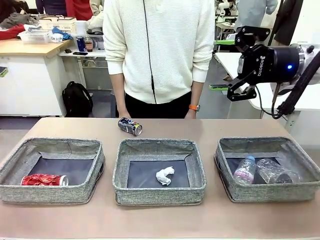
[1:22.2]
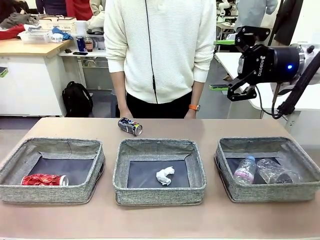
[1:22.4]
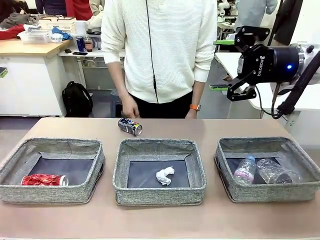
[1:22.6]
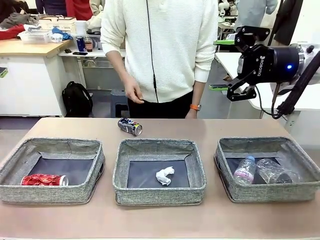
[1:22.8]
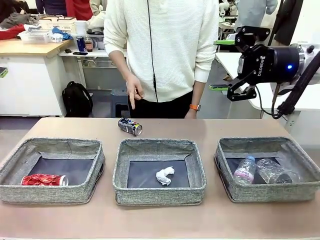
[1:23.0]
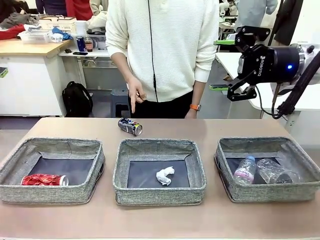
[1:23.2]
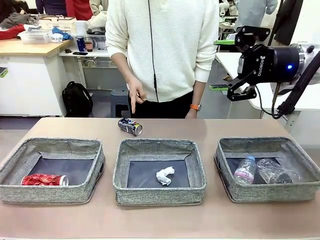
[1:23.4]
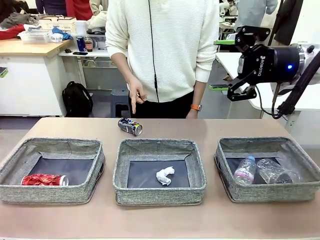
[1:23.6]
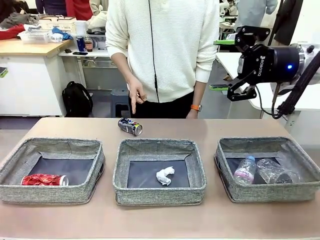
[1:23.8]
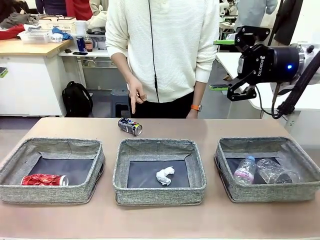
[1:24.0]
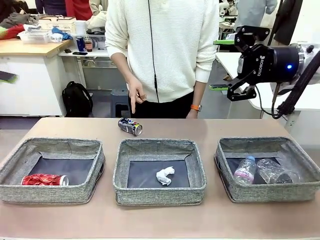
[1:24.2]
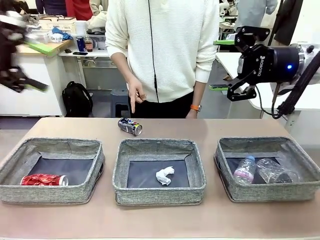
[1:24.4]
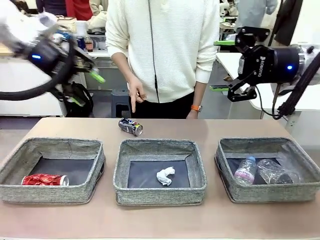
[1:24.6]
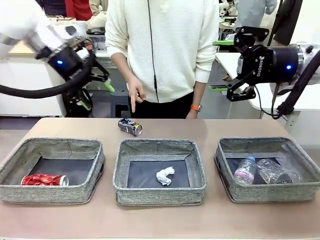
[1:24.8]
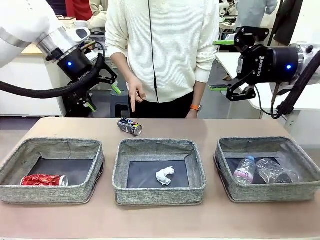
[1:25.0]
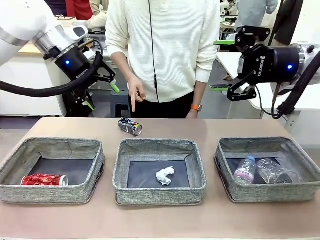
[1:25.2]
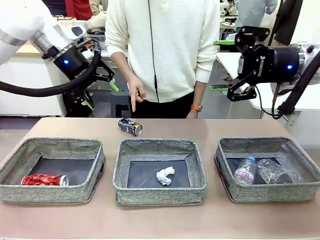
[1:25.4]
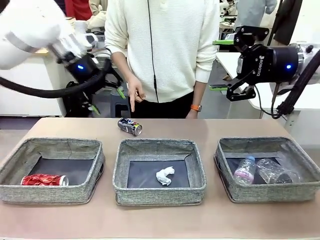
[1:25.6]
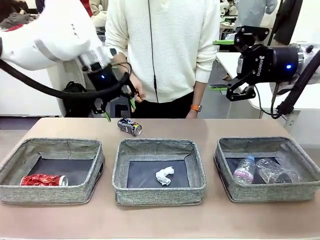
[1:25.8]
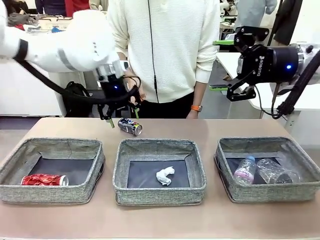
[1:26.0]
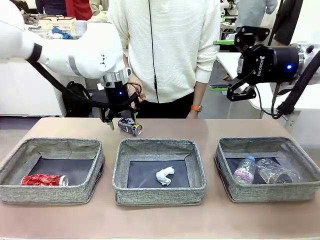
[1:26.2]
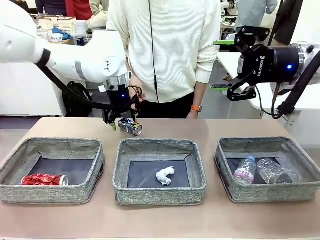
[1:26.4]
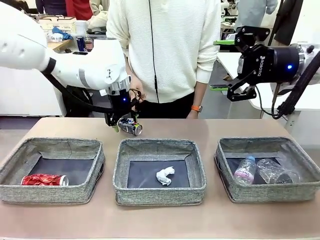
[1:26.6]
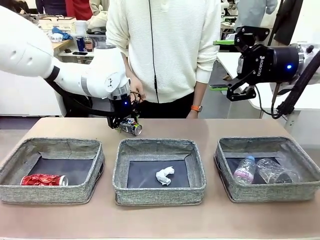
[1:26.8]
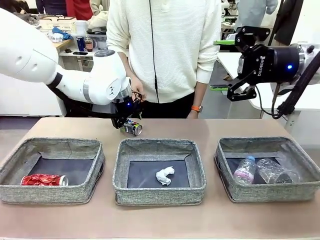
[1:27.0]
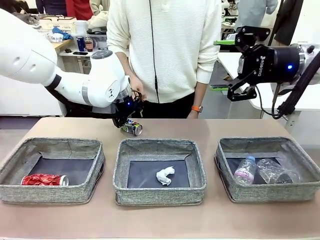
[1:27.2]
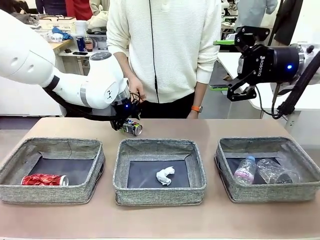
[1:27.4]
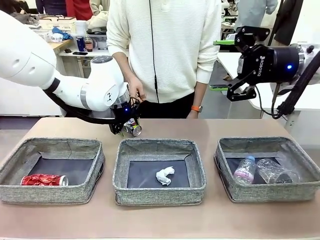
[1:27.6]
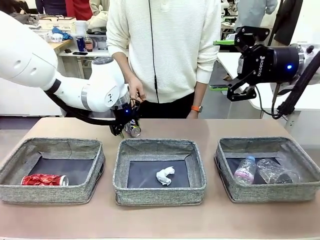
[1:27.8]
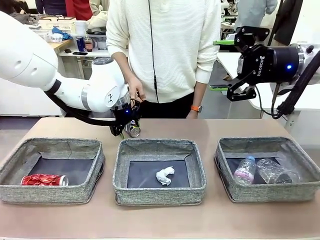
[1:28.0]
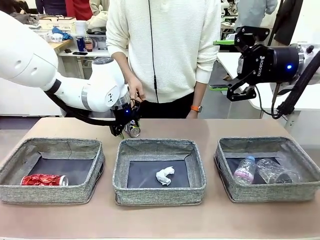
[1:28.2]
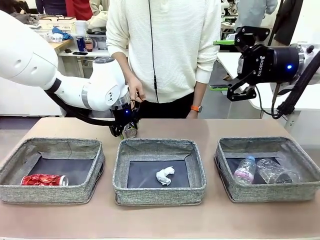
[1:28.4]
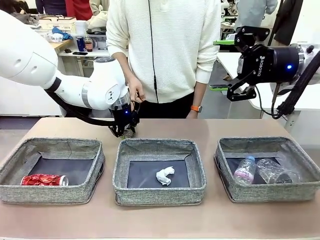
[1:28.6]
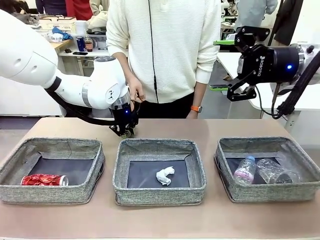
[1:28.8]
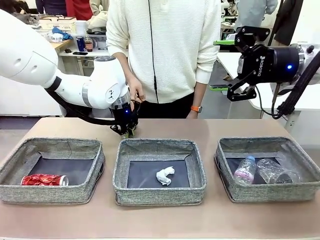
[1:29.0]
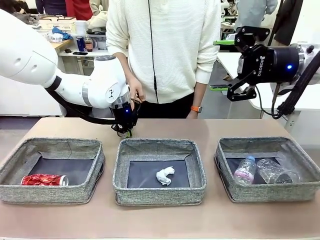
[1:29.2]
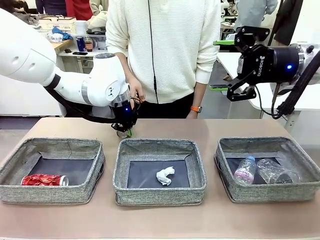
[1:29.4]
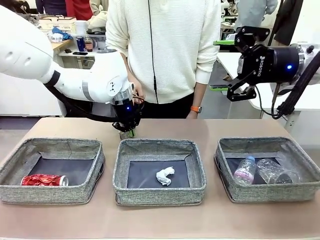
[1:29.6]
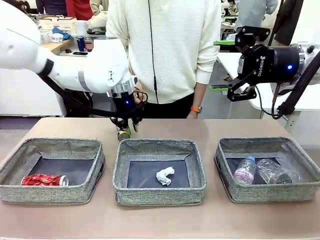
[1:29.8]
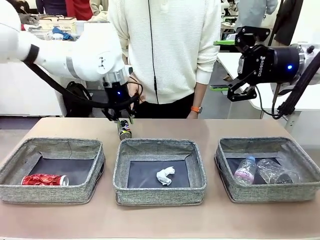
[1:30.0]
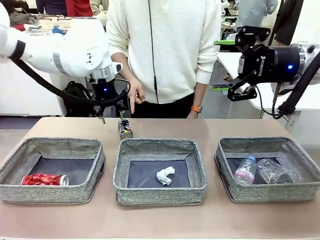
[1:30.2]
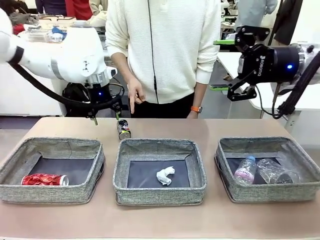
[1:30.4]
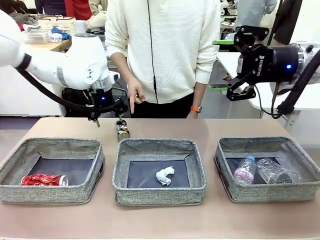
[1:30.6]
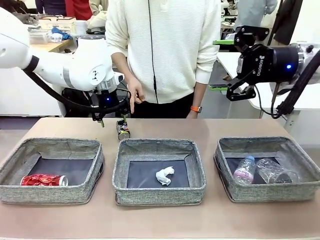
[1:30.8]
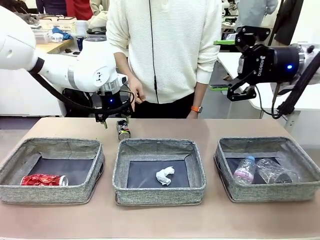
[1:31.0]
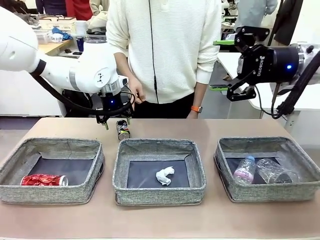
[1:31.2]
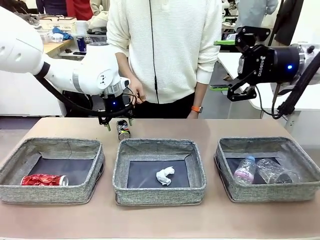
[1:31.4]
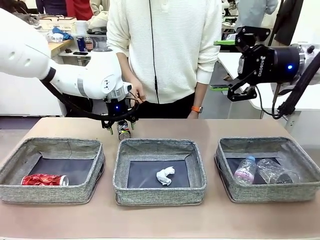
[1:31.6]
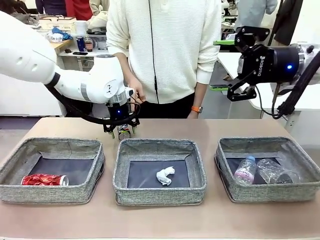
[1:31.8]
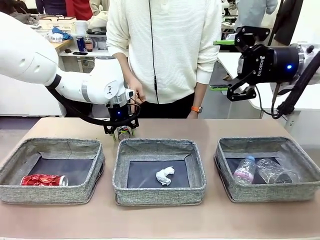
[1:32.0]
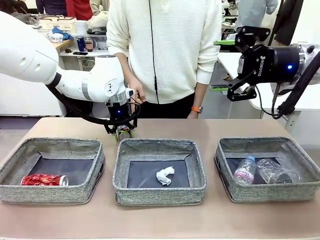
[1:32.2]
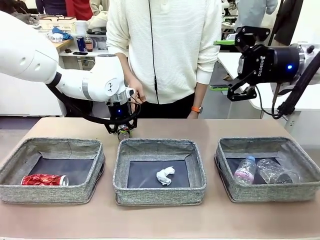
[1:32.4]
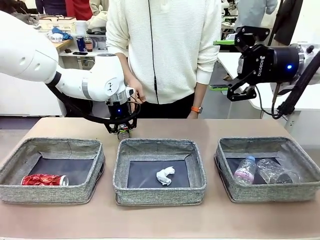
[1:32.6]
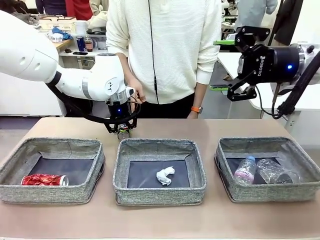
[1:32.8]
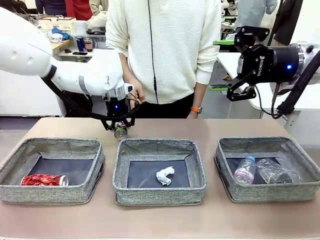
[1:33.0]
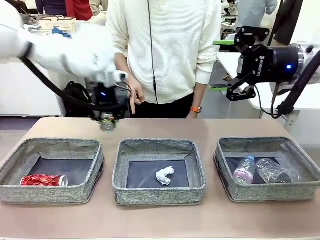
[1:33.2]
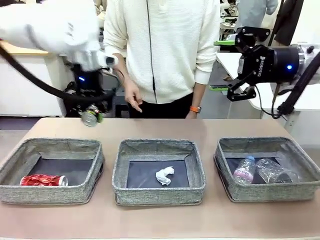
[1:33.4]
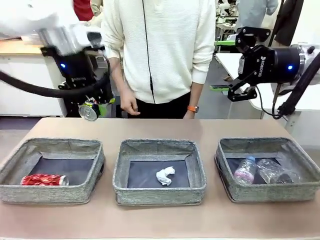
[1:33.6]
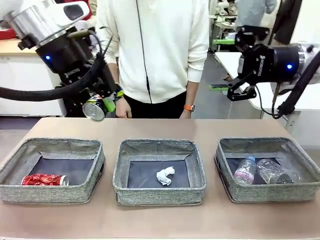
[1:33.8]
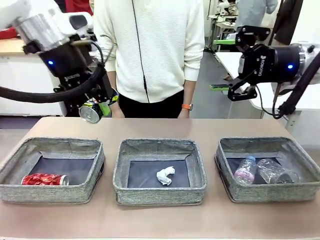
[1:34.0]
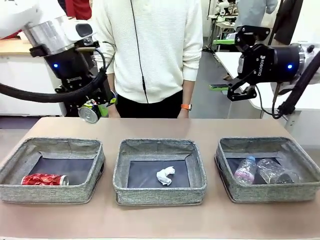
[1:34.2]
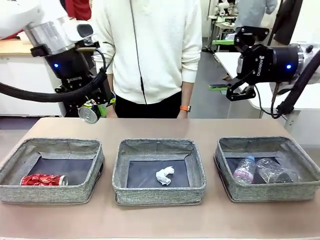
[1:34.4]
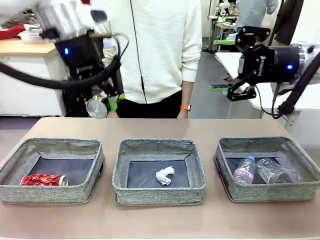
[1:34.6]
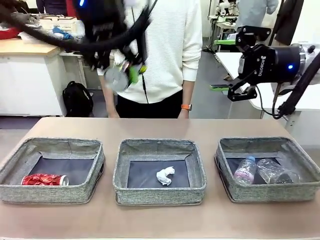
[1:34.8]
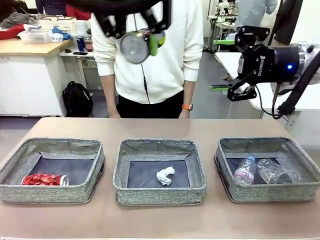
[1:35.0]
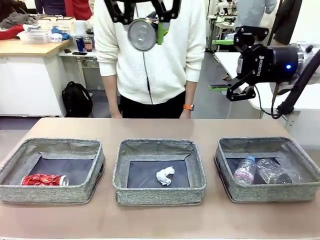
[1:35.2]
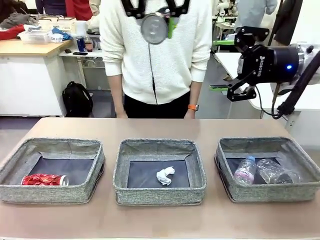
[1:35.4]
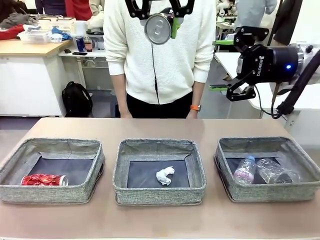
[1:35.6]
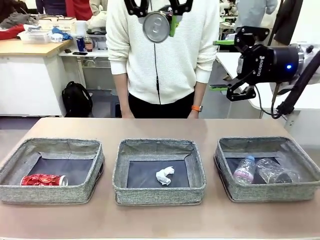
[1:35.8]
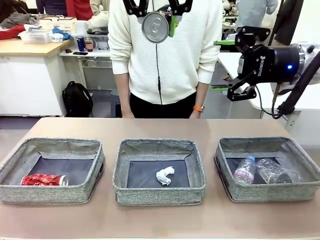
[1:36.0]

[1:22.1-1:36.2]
Task: Sort the waste into the appropriate baskets.
Robot: Pick up the waste item pointed out by the person.
Person: Points to one piece of trash on the table.

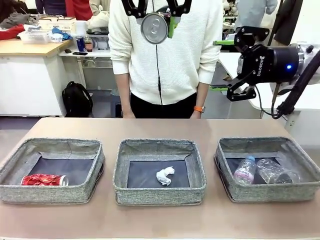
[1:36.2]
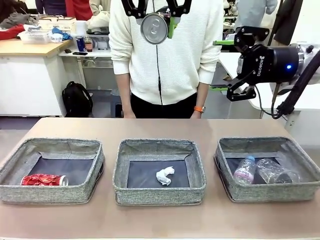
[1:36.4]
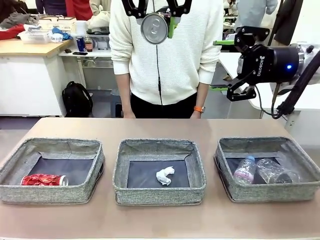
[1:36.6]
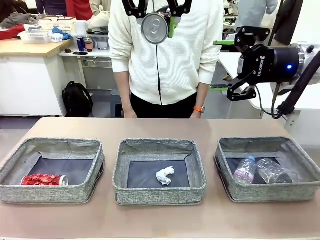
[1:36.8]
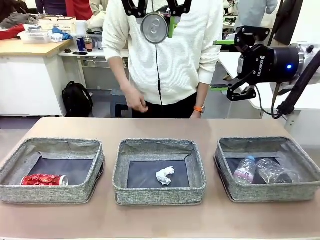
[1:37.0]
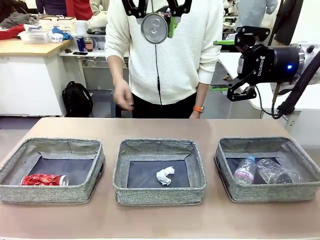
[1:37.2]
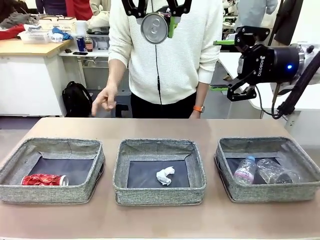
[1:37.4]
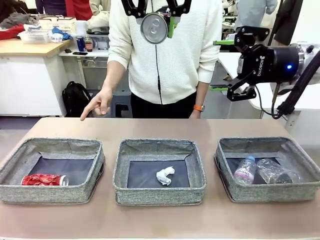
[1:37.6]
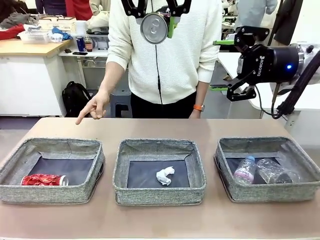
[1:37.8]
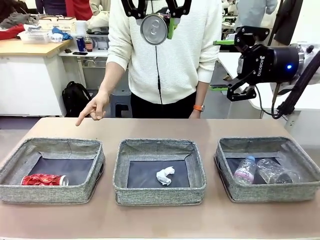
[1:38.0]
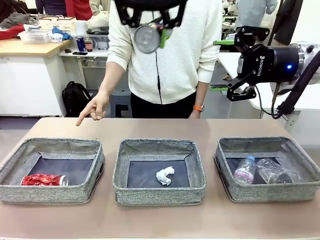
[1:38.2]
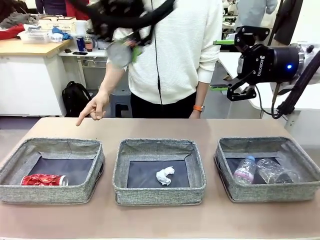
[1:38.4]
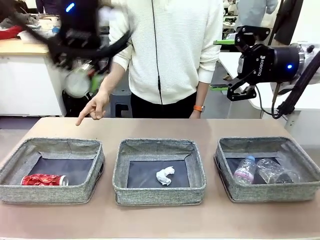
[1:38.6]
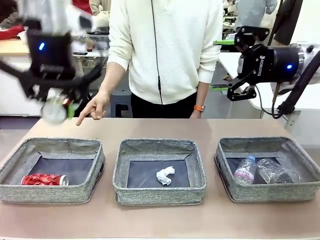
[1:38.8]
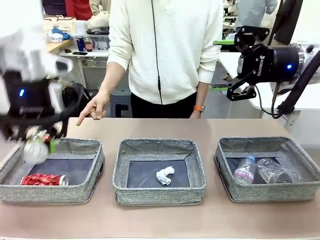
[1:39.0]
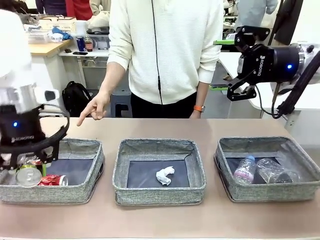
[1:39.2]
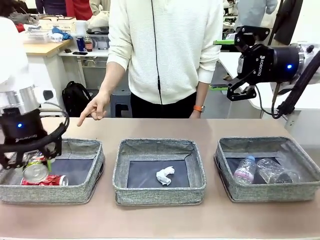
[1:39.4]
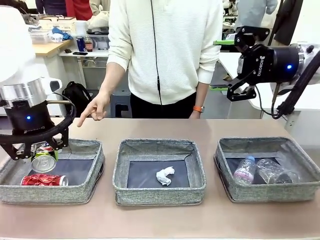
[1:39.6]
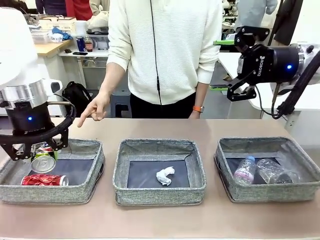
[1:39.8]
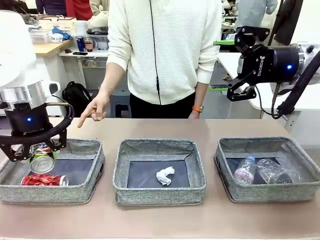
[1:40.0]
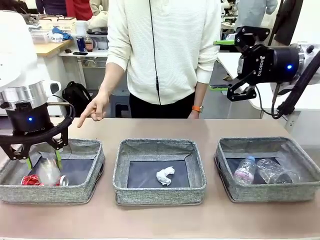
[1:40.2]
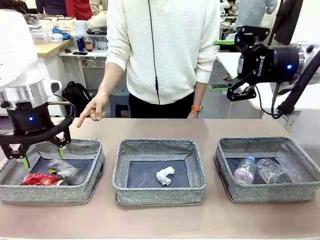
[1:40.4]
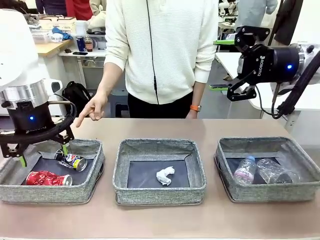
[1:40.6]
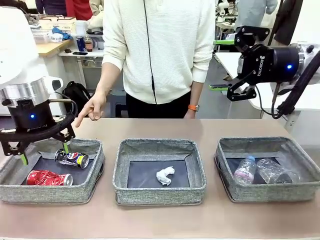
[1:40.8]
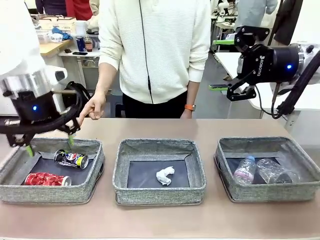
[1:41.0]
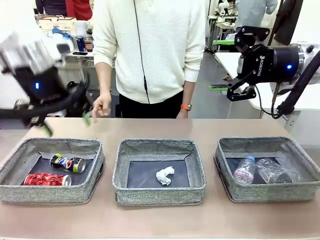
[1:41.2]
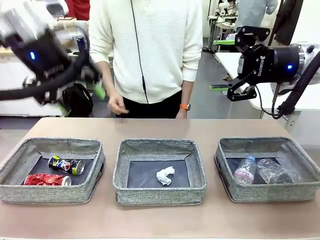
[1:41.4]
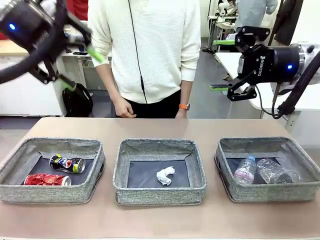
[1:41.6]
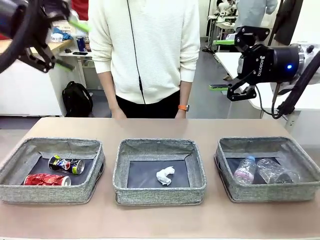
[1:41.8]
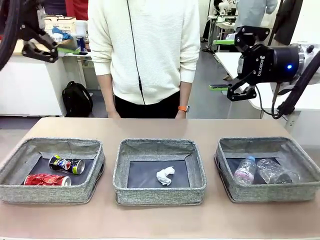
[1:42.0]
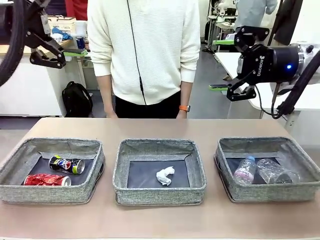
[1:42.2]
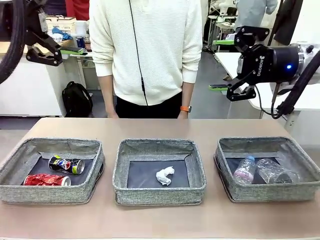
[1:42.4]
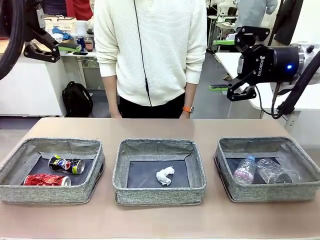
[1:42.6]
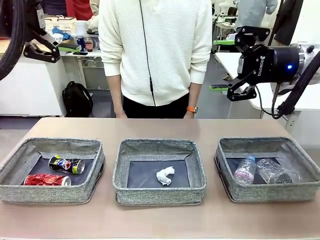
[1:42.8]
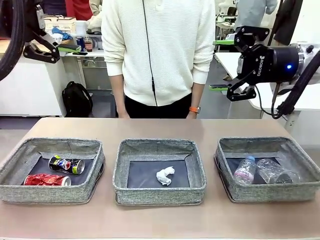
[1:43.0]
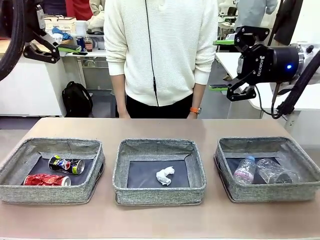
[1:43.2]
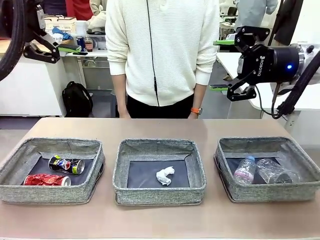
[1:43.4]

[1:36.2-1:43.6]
Robot: Place the picked waste into the Fabric basket indicated by the person.
Person: Instructs the robot to place the picked-up trash into the appropriate organizing basket.
